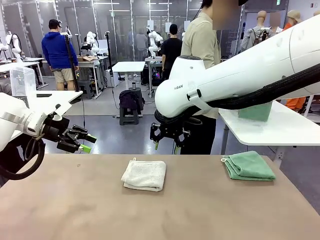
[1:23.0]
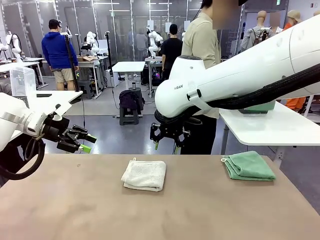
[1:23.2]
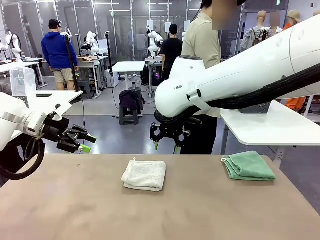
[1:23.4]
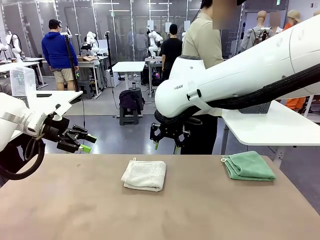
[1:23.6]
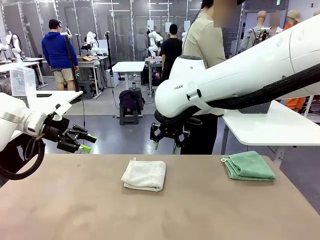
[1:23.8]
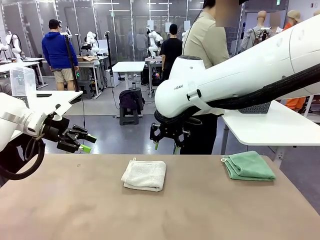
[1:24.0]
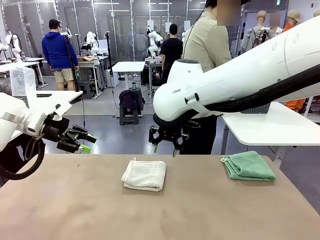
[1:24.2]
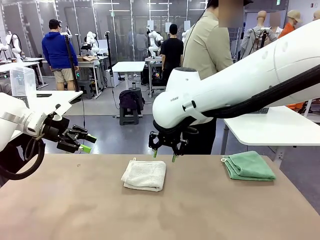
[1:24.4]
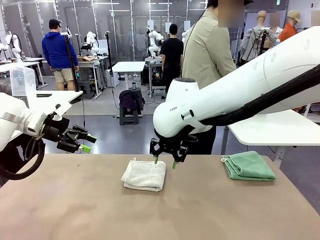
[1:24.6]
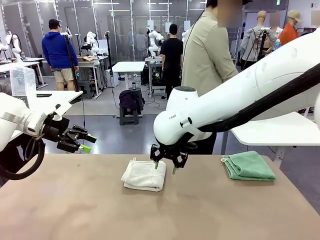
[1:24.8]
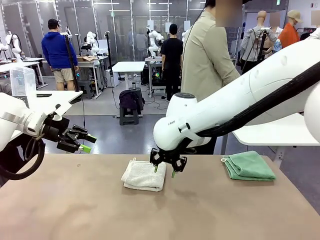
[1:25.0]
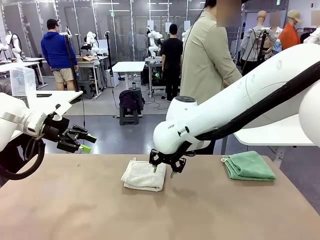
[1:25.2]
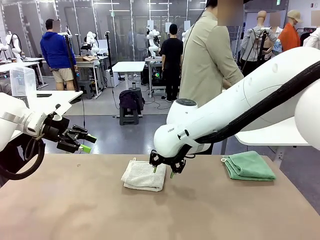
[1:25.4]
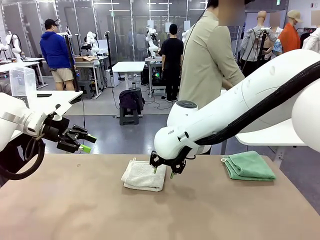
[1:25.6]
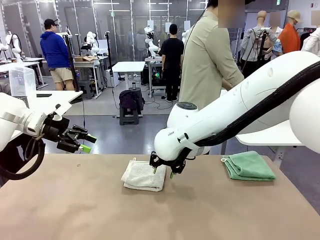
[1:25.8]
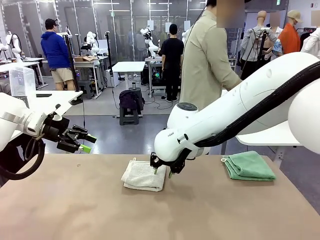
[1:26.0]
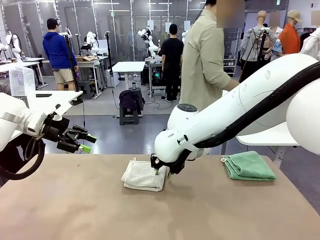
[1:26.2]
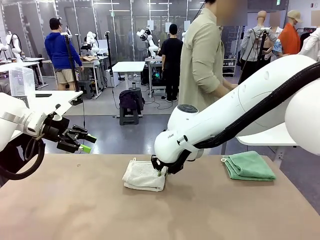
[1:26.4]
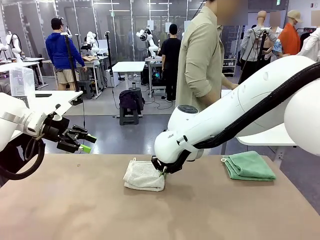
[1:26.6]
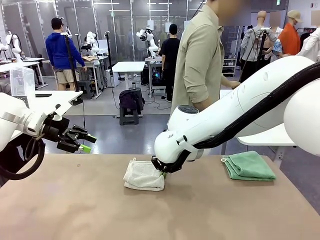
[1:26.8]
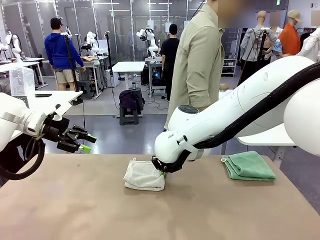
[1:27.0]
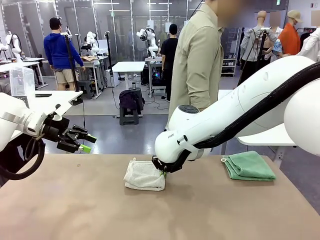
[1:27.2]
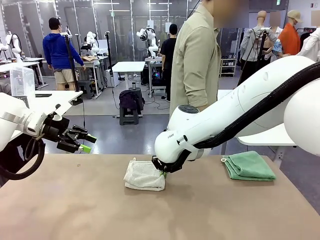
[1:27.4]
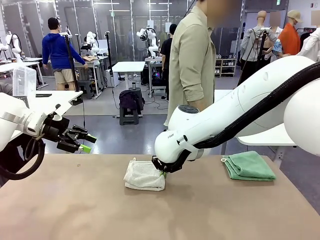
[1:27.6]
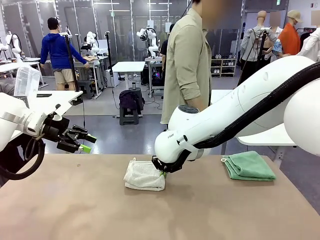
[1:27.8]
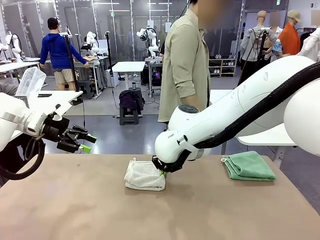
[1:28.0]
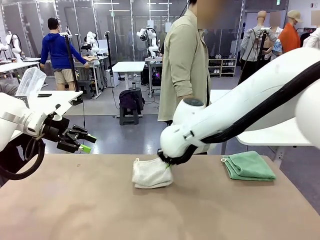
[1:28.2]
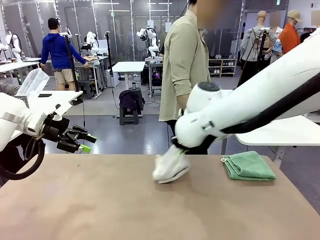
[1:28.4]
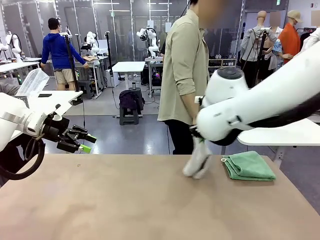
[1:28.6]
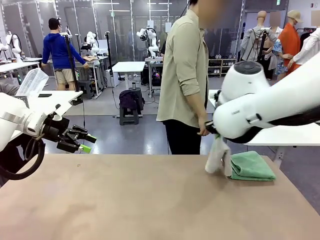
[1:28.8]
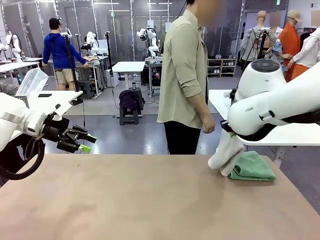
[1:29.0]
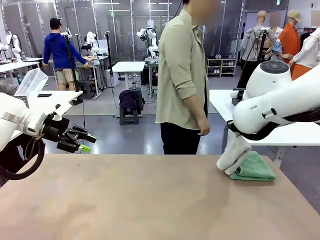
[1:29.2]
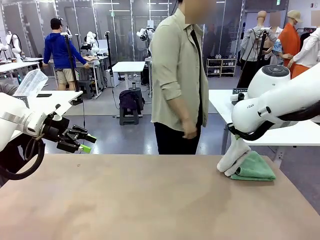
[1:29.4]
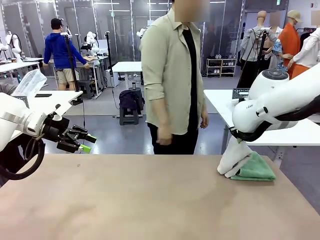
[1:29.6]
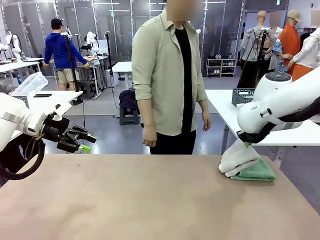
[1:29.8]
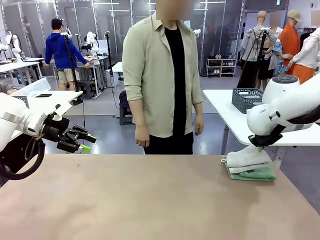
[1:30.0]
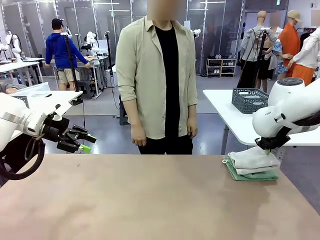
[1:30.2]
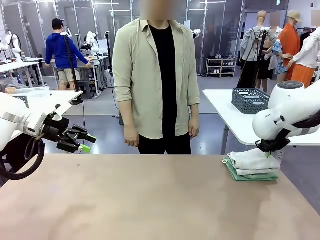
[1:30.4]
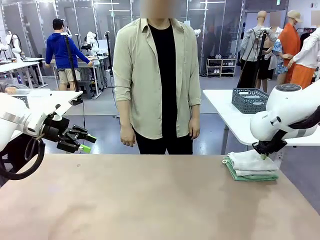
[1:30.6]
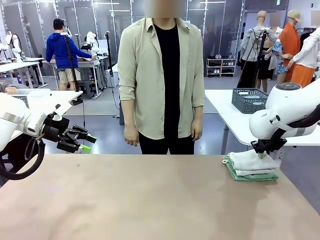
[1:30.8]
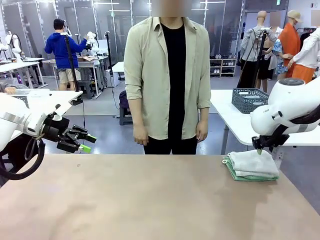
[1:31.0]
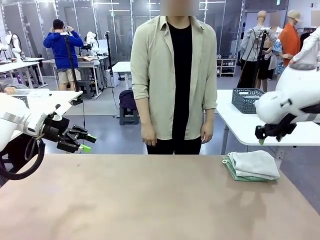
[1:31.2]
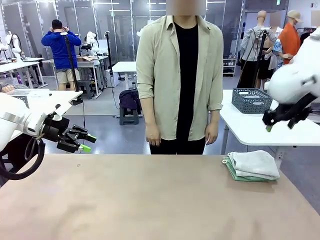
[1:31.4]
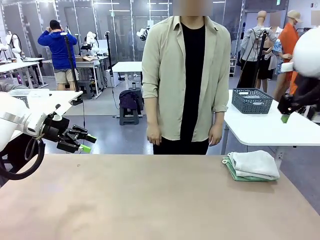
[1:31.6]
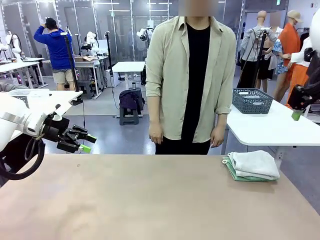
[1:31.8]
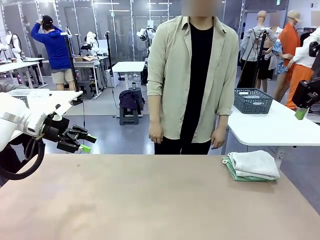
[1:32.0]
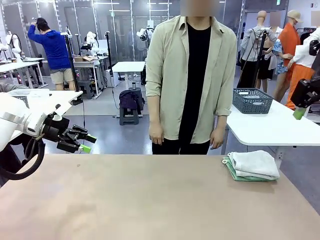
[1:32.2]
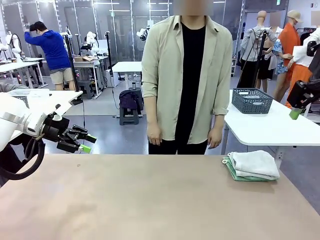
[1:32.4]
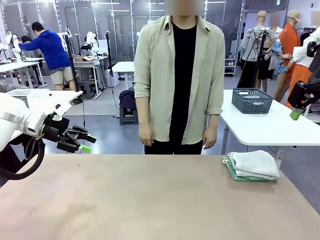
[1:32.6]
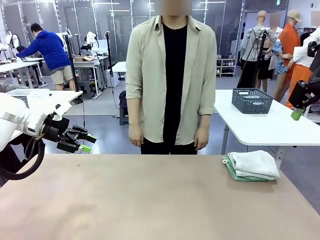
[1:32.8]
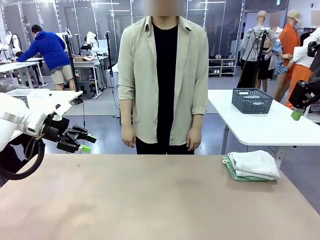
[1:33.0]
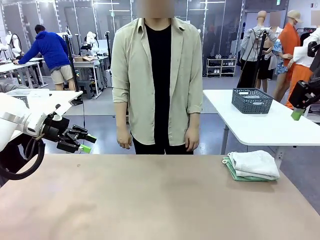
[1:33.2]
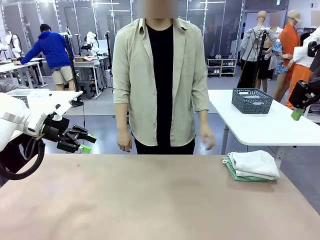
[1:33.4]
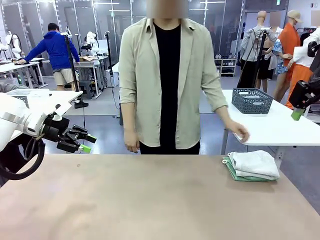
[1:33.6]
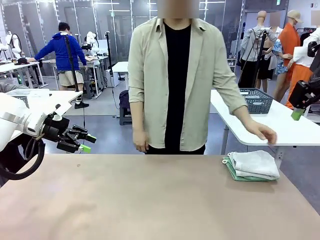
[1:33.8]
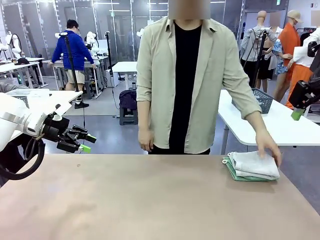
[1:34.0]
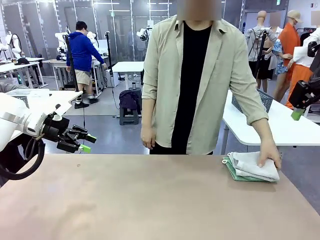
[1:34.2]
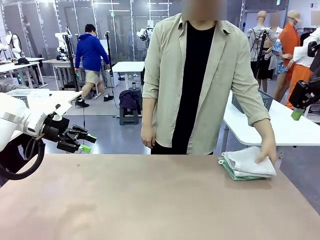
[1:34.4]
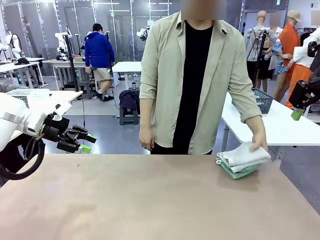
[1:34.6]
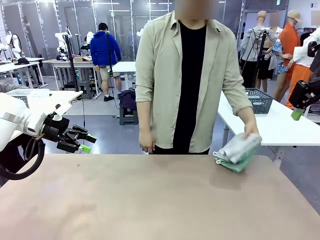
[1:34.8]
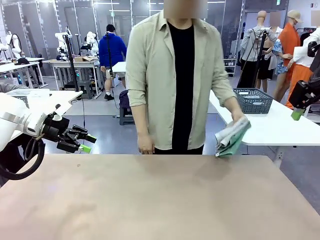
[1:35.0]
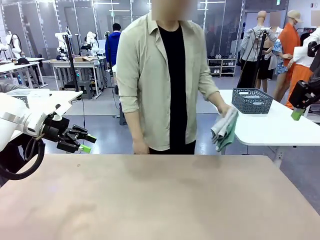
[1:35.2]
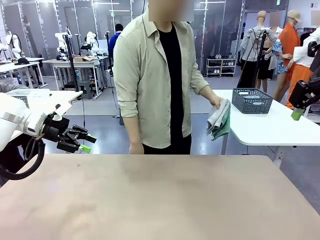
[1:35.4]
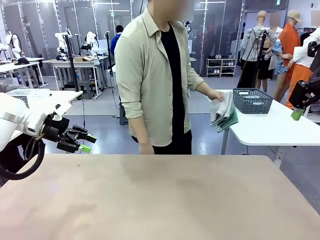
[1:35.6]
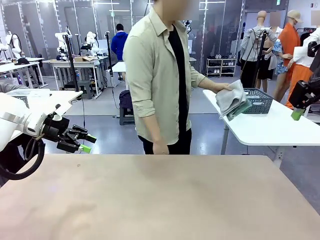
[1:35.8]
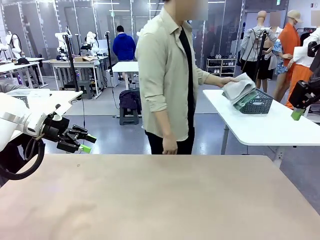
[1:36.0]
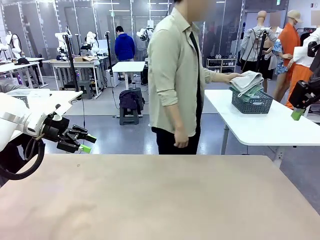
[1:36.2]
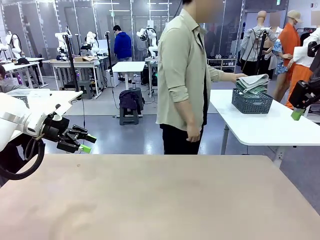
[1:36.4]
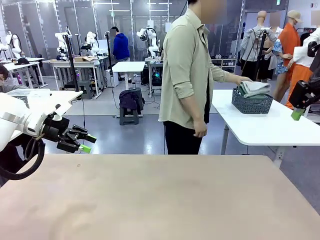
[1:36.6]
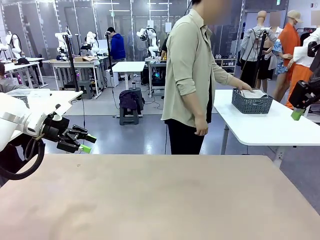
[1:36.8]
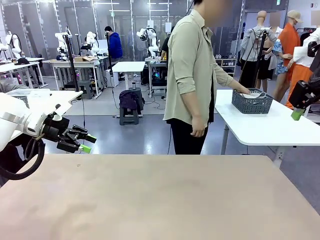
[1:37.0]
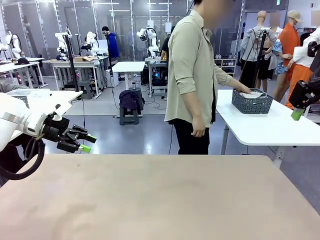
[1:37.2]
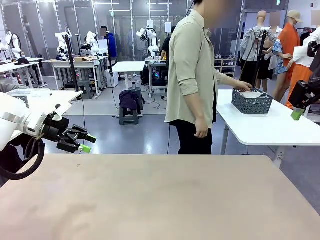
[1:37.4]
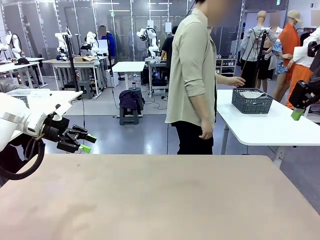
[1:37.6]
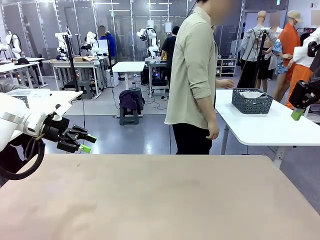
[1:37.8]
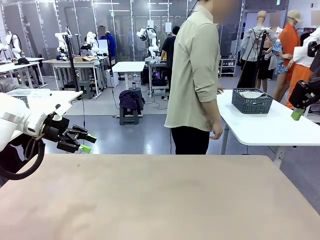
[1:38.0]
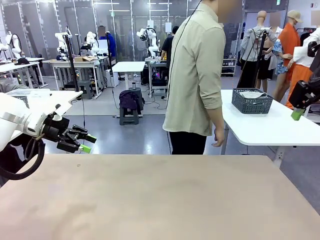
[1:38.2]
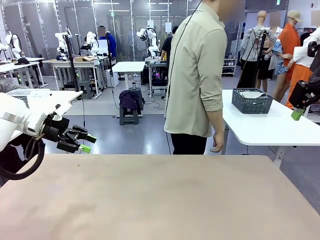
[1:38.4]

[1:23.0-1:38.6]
Task: Fold the towels and place them in the basket.
Robot: Stack the folded Towel with hook on the right side of the table.
Person: Pick up the stack of towels from the right side of the human table, place it into the basket, and put the basket at the center of the table. Pick up the stack of towels from the robot table and place it into the basket.
